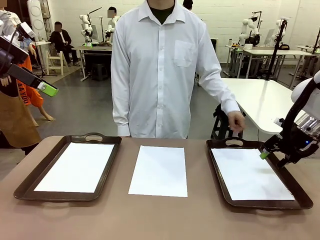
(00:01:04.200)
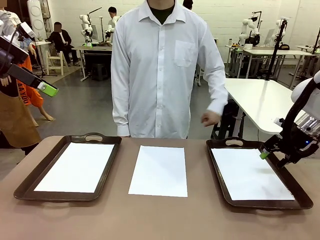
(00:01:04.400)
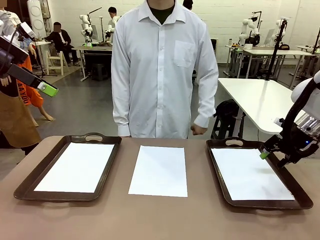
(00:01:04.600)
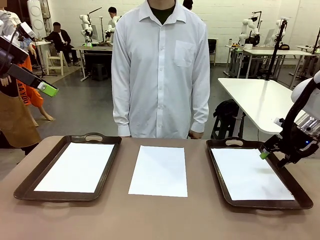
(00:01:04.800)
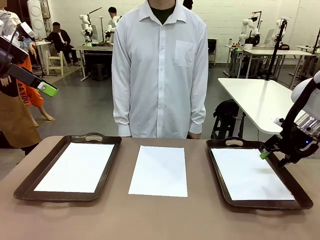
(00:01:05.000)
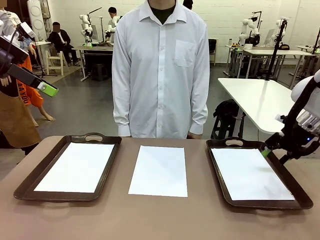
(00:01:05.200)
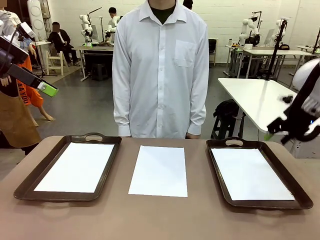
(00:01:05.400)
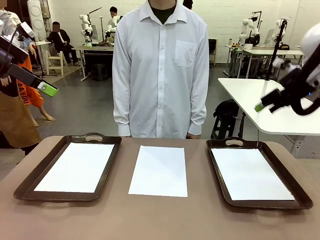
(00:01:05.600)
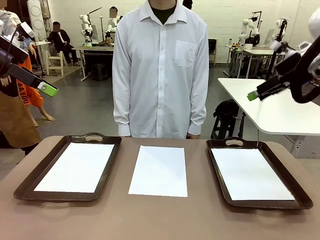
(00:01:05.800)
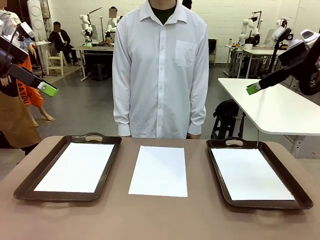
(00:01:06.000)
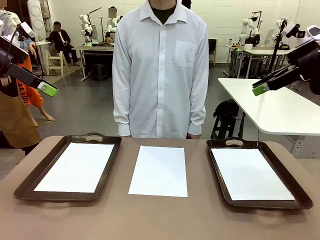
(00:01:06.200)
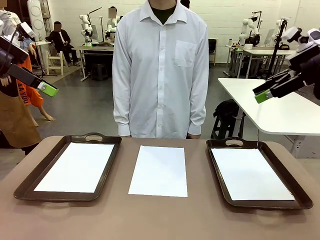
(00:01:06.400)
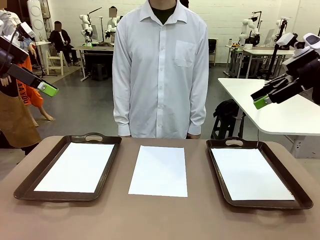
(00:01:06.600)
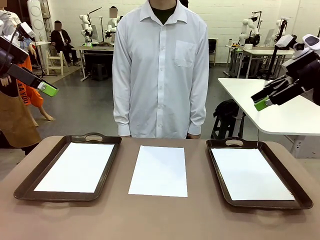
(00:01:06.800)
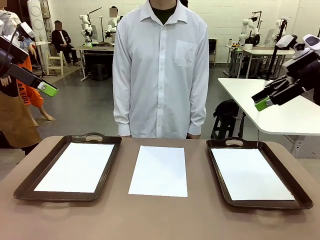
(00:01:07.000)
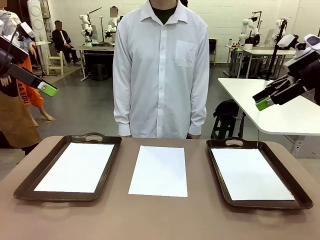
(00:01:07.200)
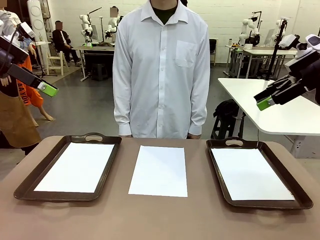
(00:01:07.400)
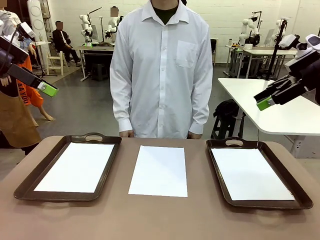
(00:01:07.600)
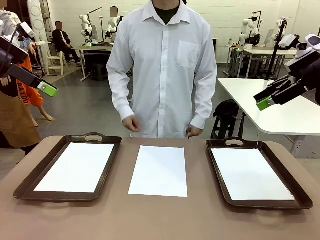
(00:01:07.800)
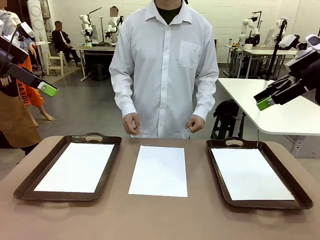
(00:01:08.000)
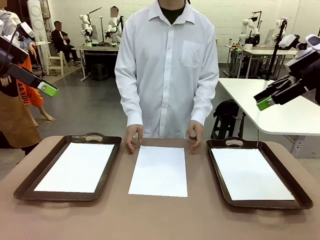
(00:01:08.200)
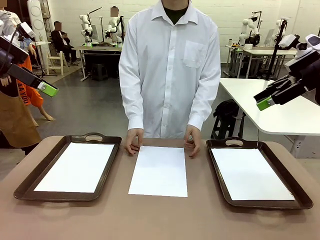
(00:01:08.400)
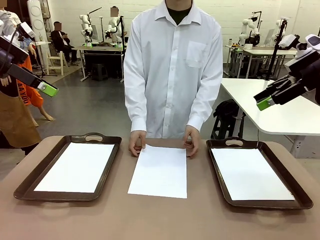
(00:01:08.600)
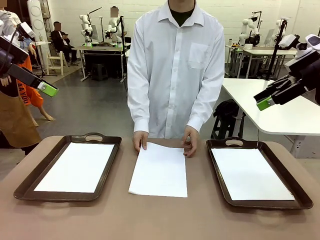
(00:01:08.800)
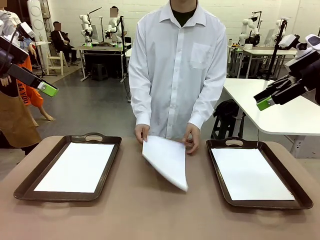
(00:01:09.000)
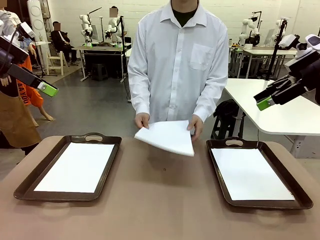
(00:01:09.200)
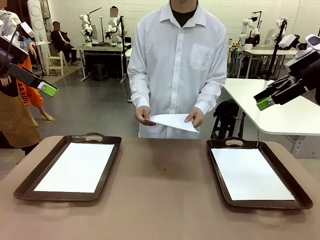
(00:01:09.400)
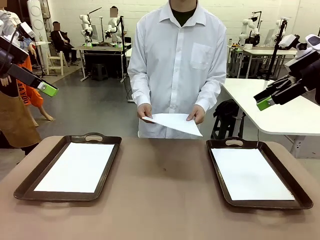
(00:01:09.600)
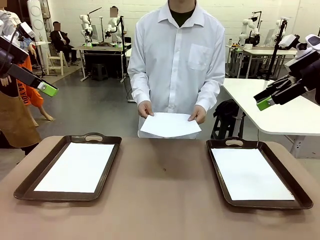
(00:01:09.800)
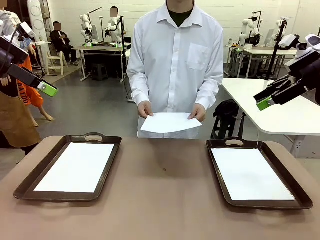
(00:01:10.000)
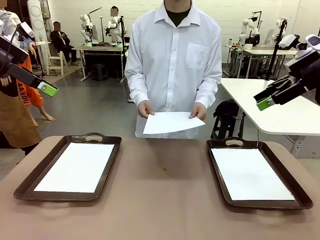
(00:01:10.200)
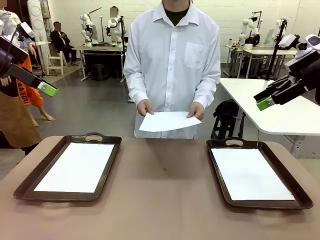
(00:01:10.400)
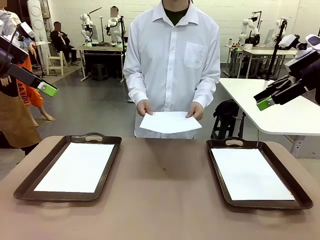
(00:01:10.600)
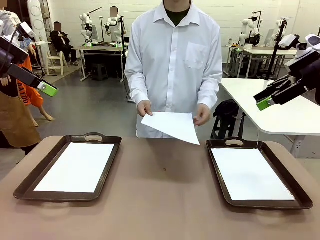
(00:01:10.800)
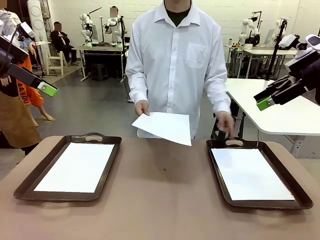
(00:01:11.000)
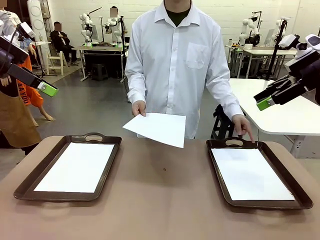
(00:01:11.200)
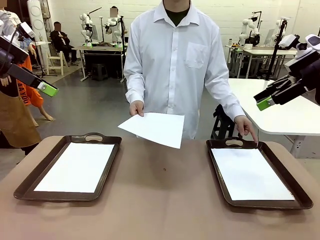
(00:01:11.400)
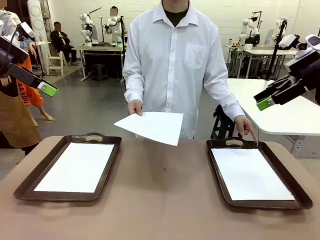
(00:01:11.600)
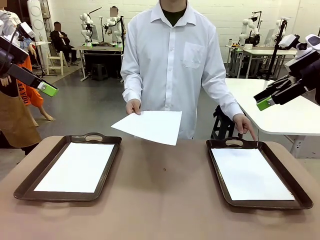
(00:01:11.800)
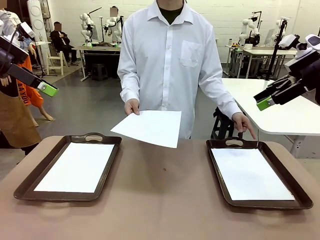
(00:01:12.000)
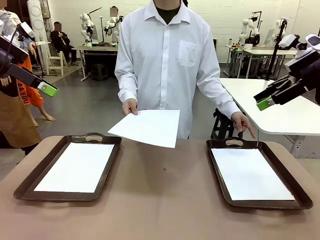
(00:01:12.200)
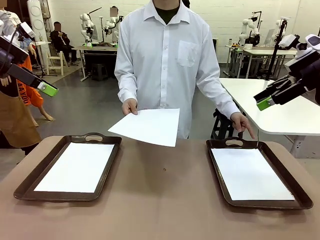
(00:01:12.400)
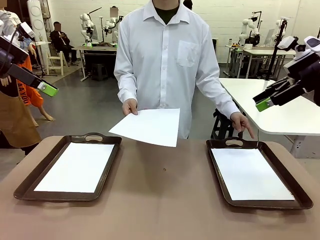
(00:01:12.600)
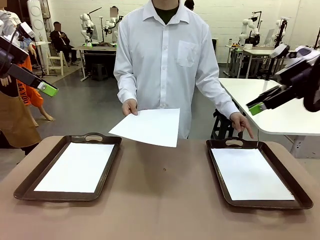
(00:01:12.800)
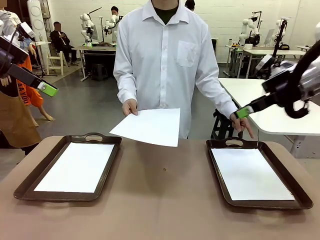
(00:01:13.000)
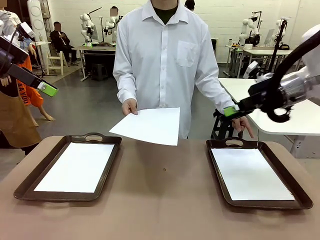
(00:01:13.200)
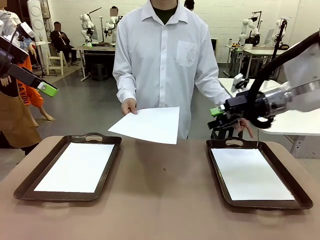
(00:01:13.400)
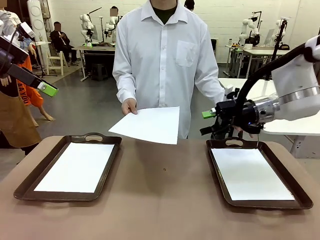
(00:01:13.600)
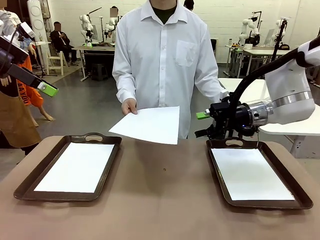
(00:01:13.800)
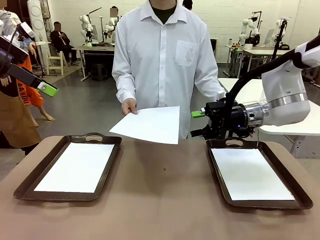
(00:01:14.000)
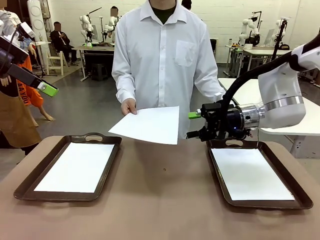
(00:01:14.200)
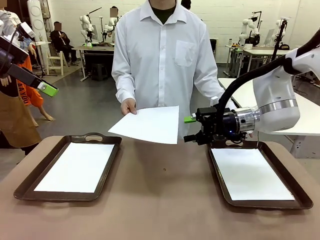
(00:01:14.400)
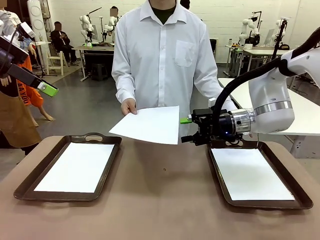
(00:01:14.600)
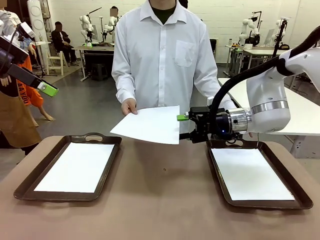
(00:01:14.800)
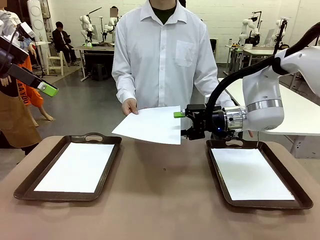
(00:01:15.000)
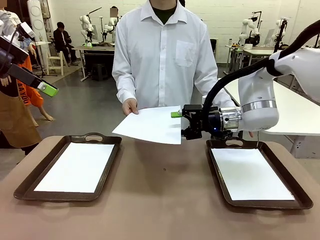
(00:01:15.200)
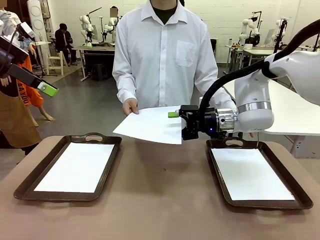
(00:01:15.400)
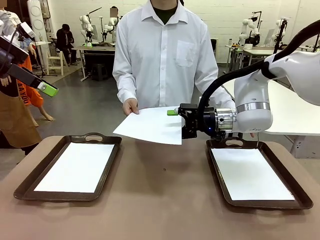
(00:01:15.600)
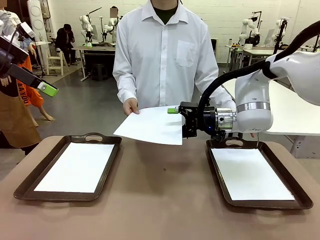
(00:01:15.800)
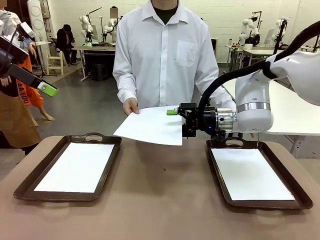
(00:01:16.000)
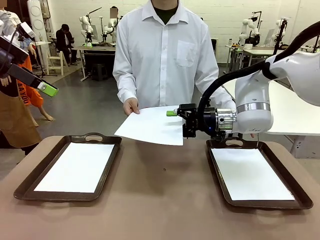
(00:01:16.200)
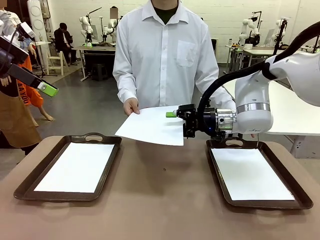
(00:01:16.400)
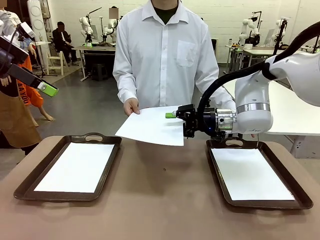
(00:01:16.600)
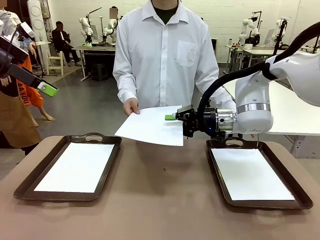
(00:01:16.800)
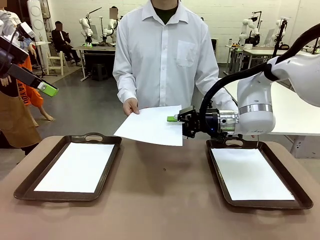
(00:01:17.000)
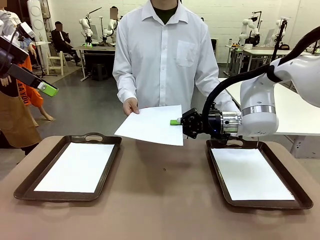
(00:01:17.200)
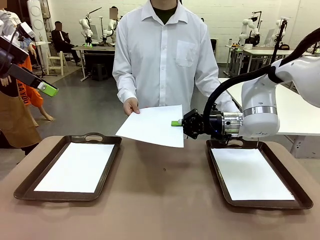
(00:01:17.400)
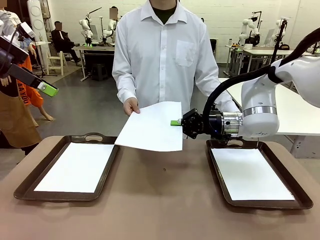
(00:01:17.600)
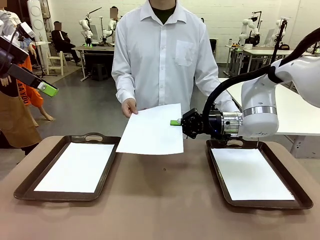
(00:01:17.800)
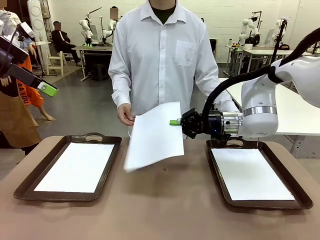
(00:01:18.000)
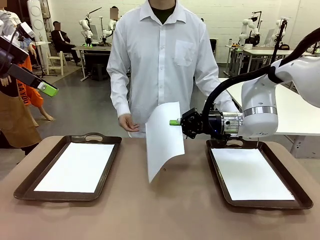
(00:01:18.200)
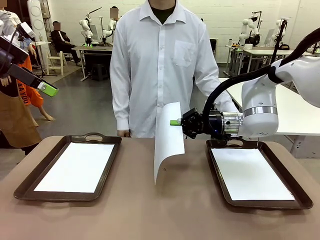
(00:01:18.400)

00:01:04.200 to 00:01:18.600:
Task: Sort the A4 documents.
Robot: Receive the A4 Paper.
Person: Point the randomly selected tray with the other hand.

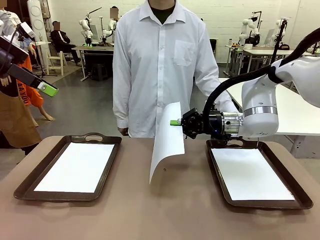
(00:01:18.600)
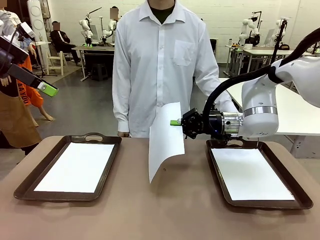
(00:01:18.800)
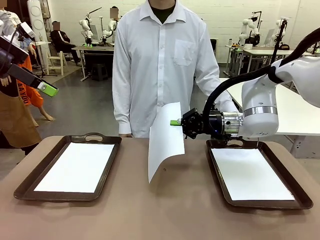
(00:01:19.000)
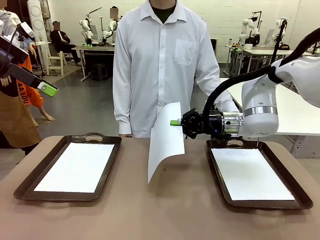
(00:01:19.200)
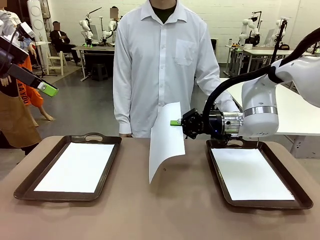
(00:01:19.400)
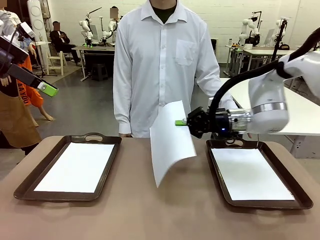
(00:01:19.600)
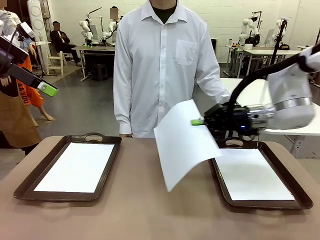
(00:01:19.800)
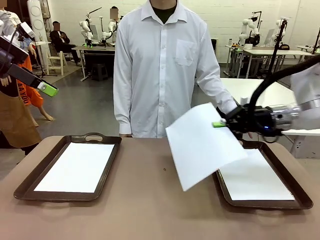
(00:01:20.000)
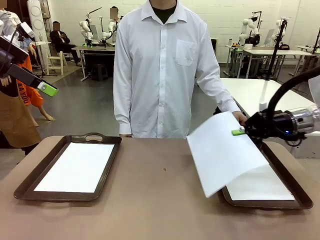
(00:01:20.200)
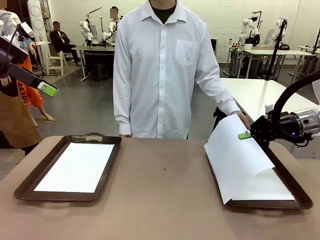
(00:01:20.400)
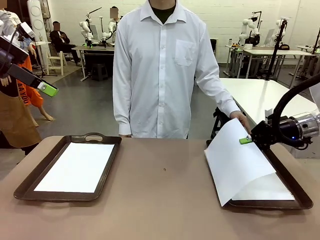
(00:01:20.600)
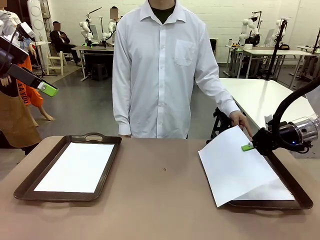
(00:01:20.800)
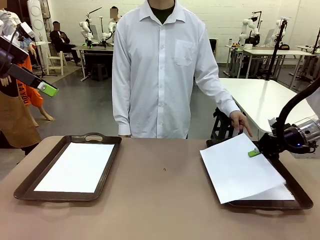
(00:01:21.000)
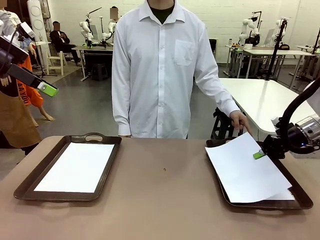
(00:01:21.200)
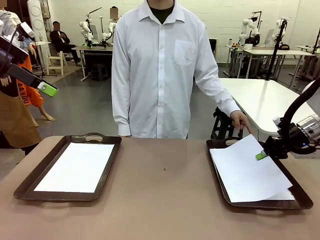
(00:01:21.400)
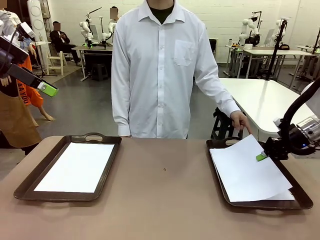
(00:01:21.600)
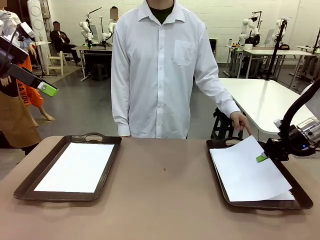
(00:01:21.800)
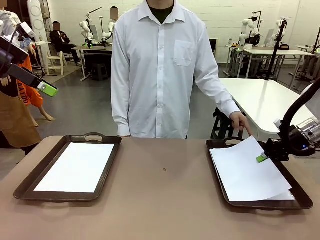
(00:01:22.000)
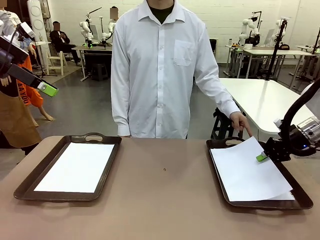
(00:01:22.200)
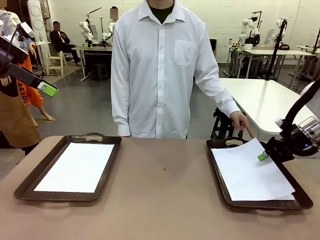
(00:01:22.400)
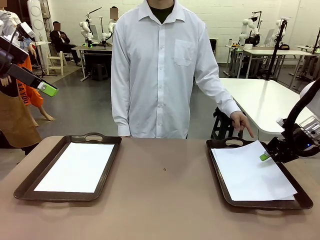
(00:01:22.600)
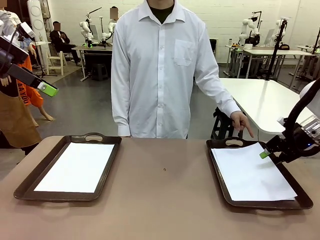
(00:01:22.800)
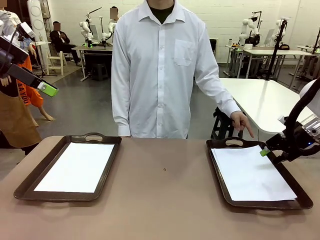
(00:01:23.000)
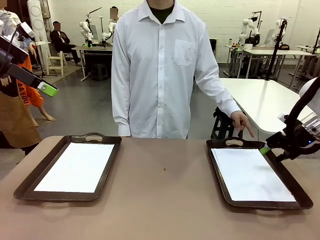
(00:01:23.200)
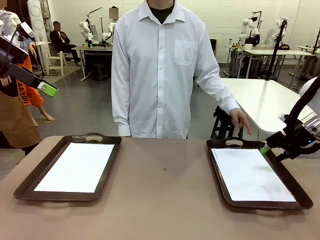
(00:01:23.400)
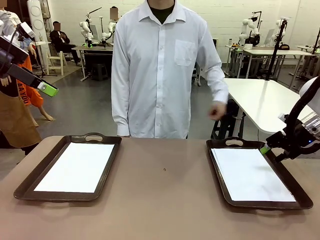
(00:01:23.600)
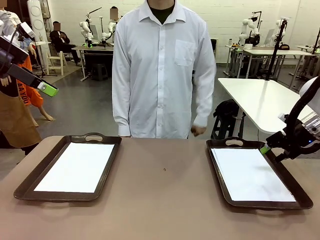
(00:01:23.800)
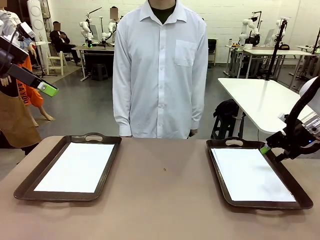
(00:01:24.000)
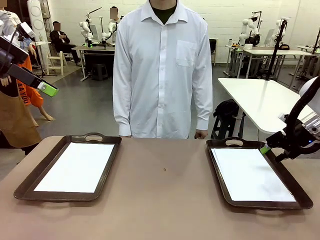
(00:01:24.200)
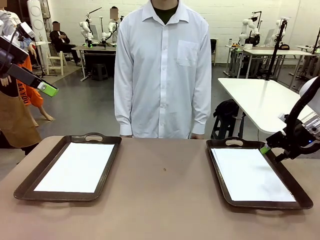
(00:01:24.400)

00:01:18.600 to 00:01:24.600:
Robot: Place the A4 Paper in the designated Handle tray.
